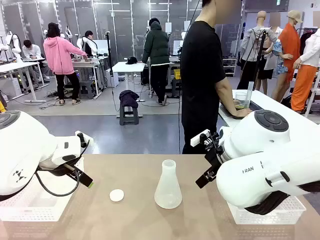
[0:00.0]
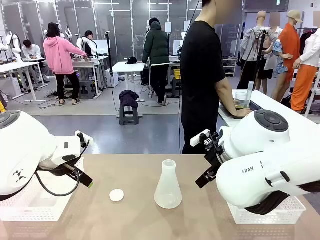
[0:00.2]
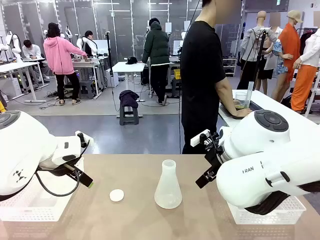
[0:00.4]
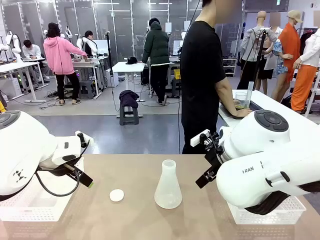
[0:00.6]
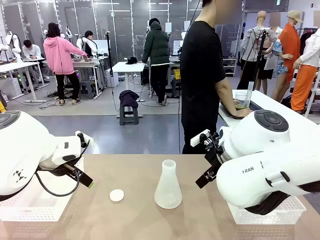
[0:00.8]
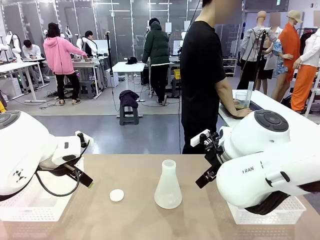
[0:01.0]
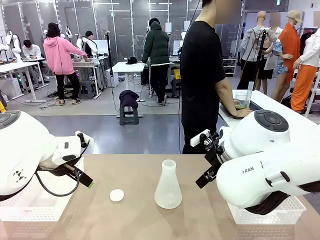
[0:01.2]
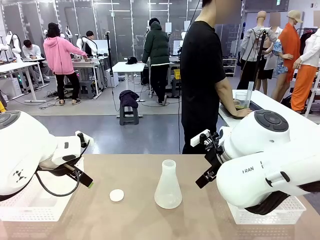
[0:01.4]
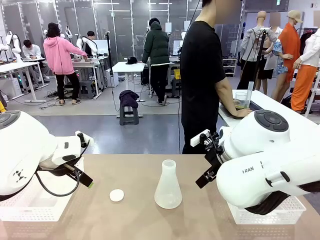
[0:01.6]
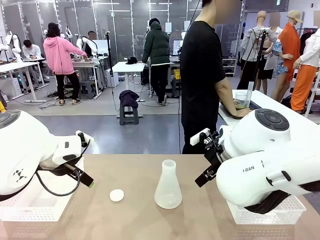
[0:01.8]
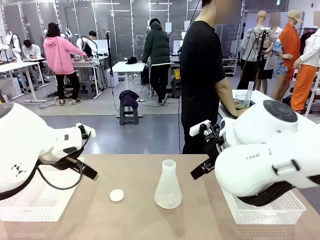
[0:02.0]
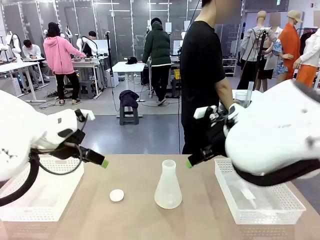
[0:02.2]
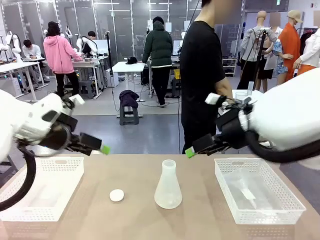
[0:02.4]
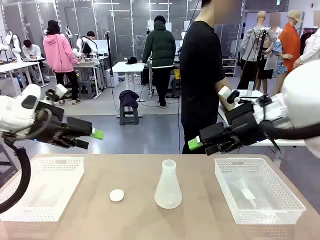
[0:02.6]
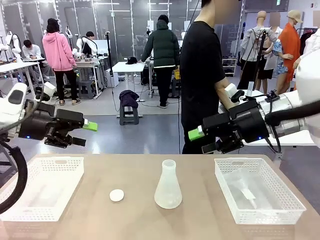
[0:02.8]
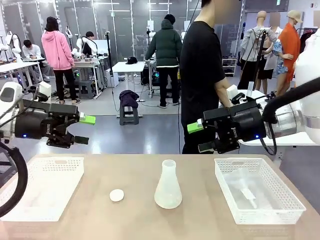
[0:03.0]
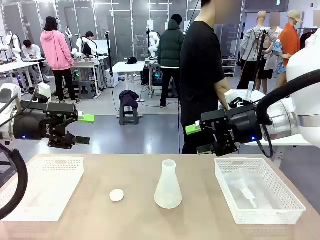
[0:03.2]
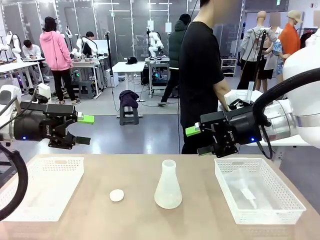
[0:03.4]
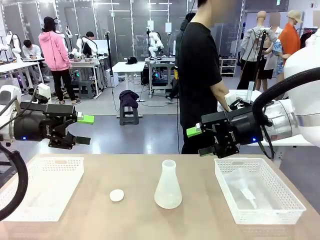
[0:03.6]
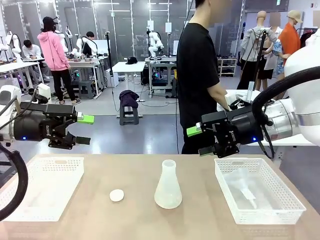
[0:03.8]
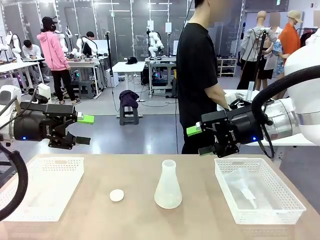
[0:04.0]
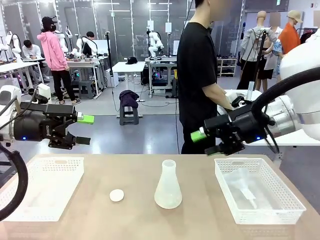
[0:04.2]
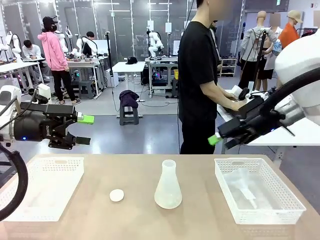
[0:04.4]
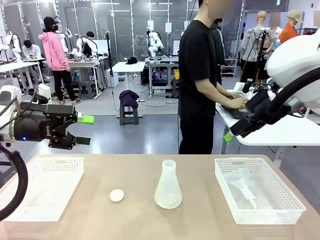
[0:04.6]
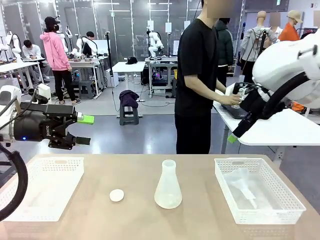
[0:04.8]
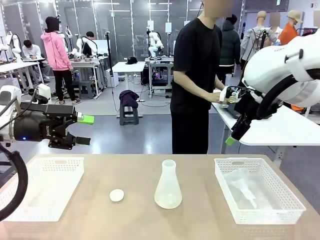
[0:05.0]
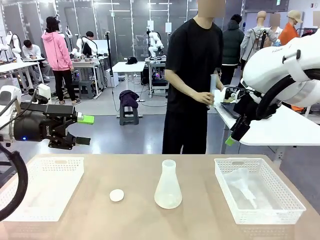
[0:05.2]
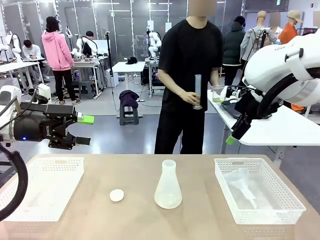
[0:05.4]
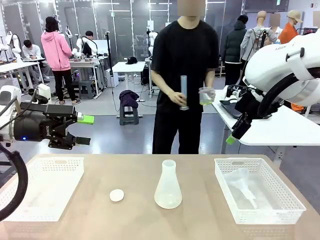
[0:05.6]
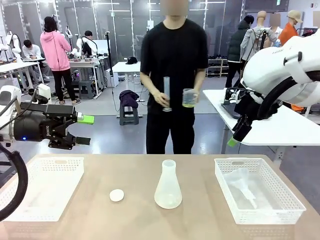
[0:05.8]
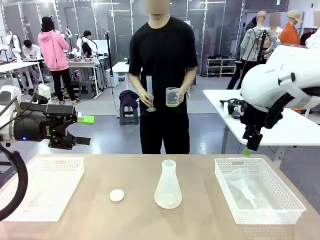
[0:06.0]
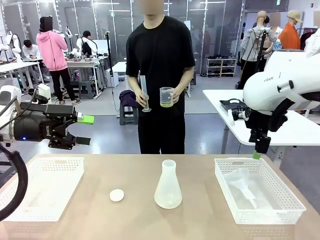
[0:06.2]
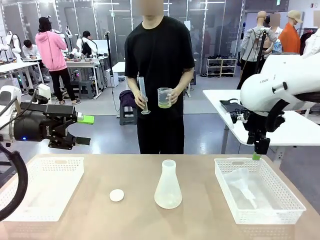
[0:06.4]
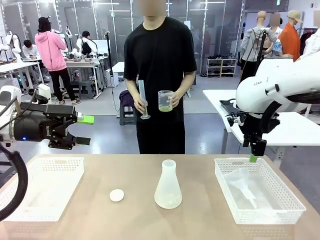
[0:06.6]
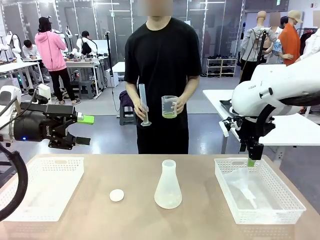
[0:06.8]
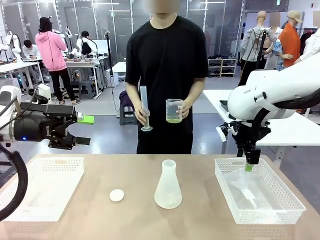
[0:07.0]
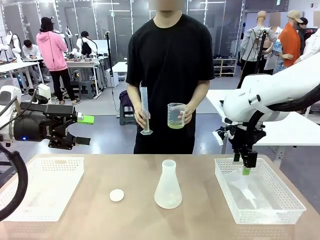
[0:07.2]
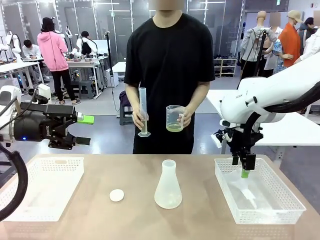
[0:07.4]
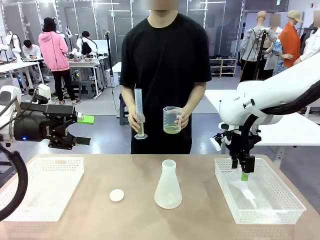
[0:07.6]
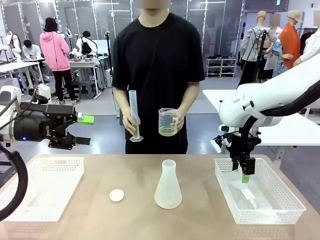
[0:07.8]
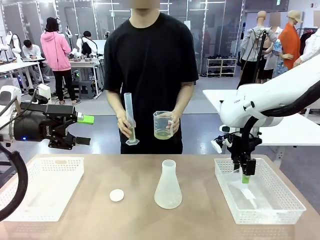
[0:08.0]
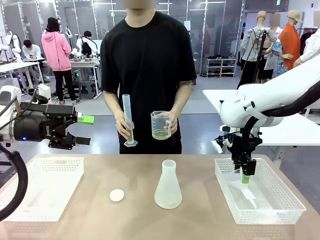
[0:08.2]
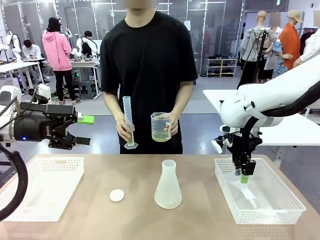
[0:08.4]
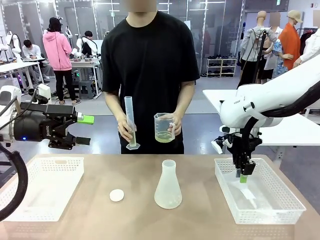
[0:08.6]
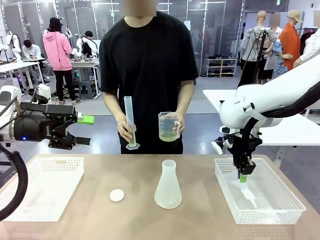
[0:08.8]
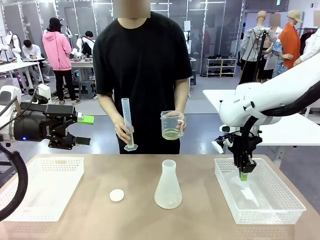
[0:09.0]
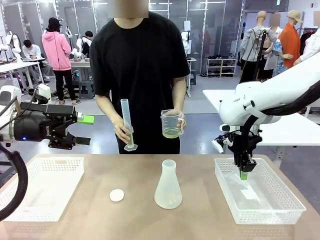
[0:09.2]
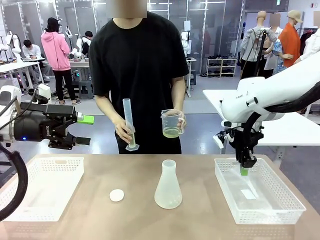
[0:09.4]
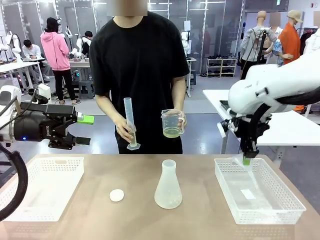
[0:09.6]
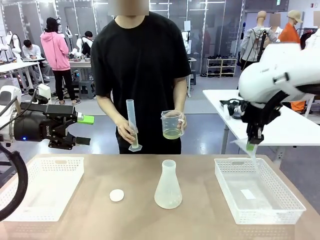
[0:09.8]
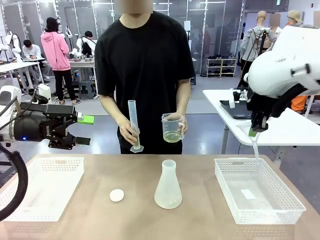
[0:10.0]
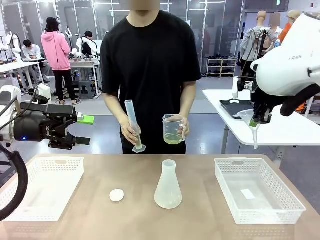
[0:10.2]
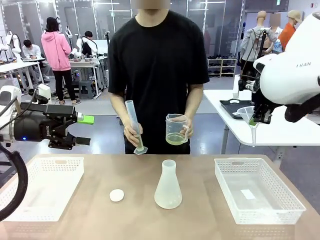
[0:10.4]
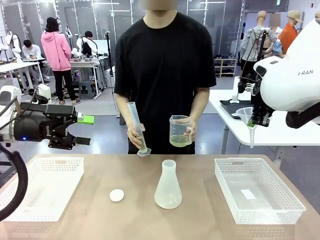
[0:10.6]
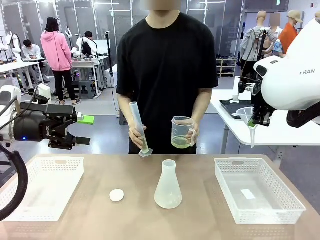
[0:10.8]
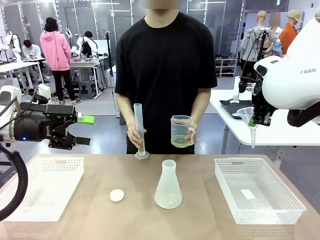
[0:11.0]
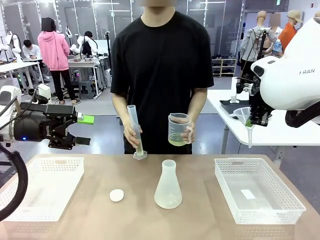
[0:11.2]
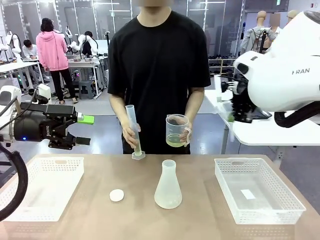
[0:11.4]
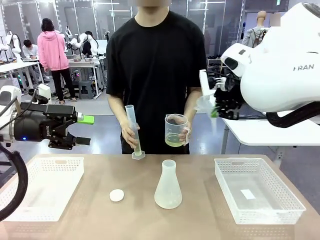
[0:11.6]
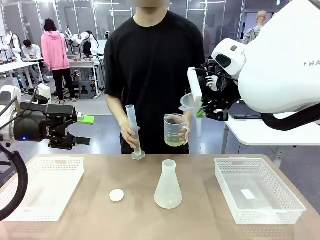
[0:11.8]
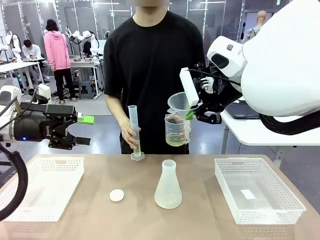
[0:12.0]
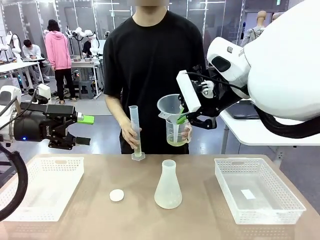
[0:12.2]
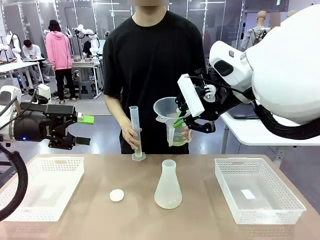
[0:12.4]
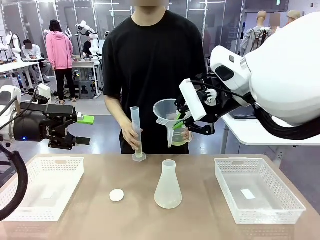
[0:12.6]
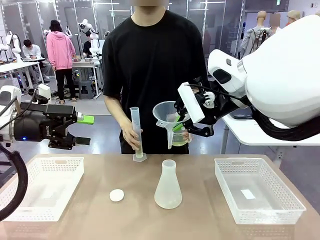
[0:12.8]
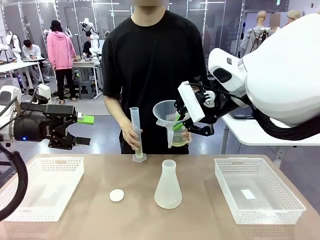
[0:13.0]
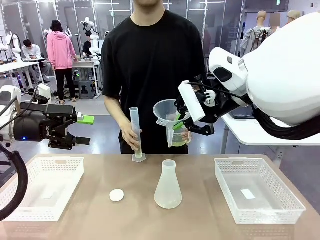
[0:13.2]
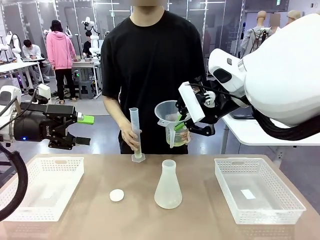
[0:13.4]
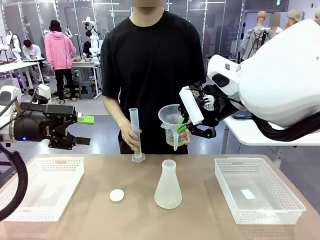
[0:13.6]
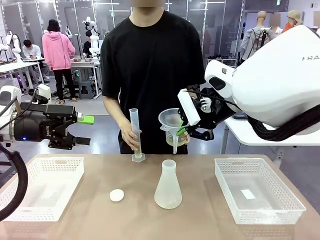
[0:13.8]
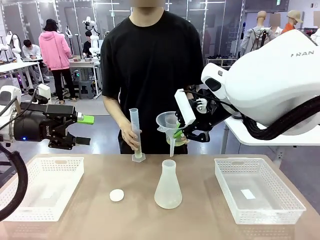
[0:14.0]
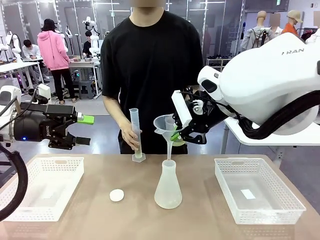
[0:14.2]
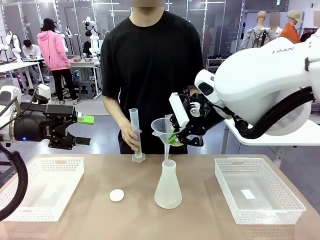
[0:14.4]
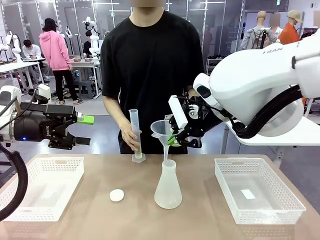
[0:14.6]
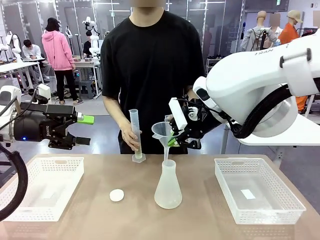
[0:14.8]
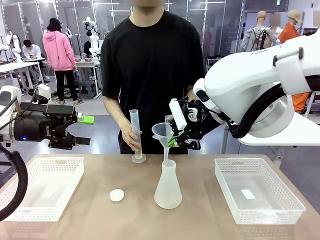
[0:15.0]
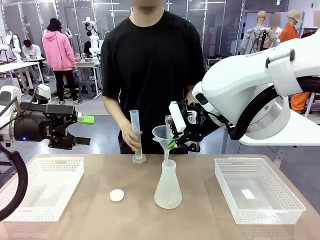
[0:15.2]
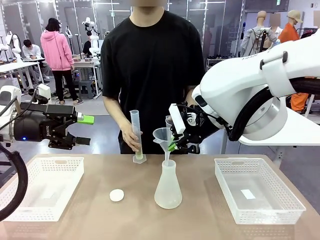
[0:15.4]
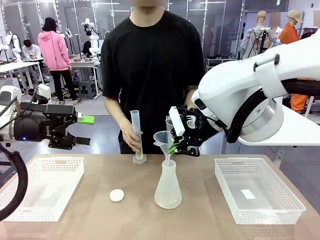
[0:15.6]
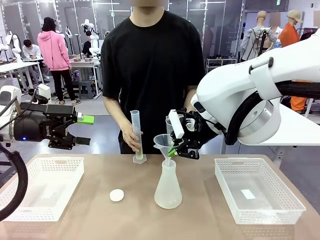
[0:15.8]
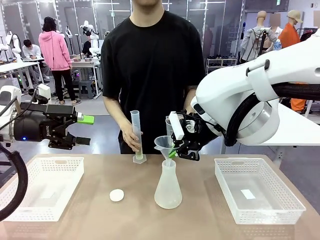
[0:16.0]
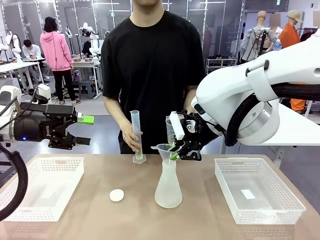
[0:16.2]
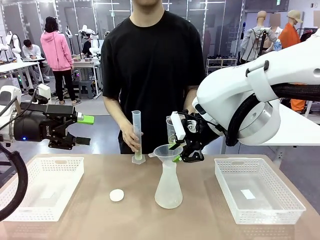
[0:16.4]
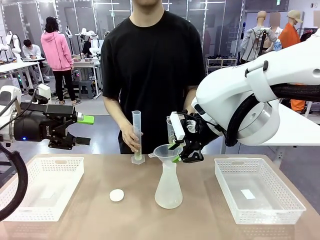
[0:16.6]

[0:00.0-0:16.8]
Task: Prepare the solutions needed for the experiment.
Robot: Pick up the Plastic Funnel and insert it into the Big flask.
Person: Pick up the beaker and the cylinder and move to the middle of the robot table.
